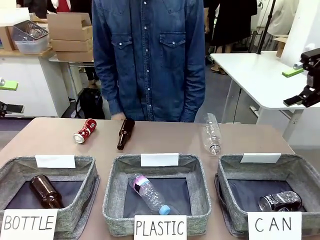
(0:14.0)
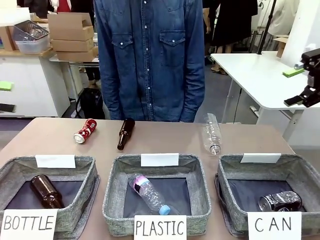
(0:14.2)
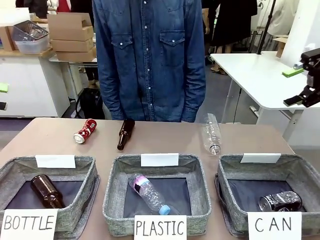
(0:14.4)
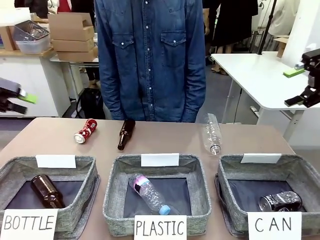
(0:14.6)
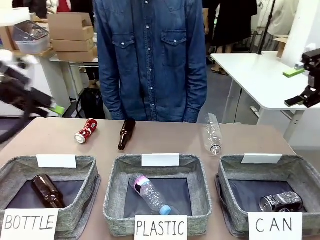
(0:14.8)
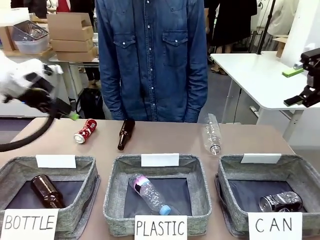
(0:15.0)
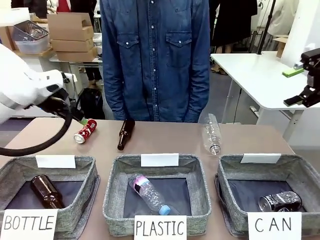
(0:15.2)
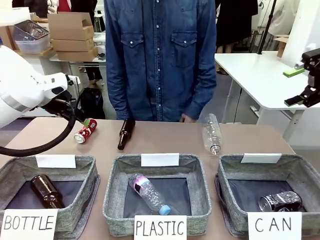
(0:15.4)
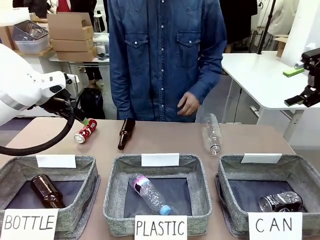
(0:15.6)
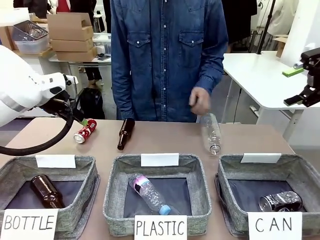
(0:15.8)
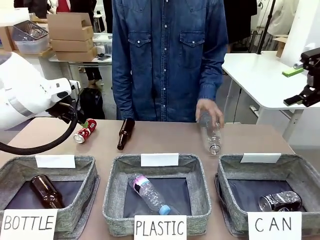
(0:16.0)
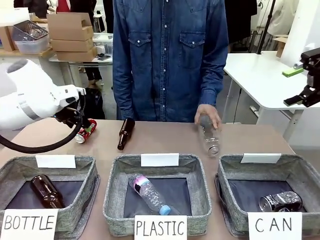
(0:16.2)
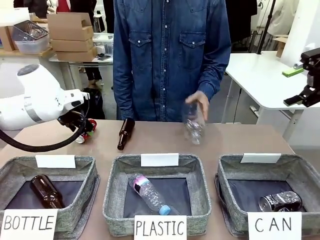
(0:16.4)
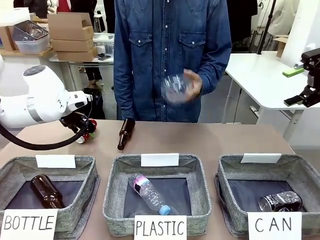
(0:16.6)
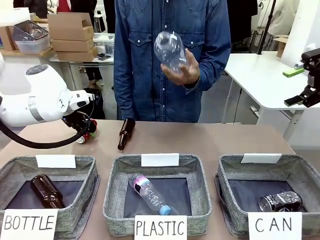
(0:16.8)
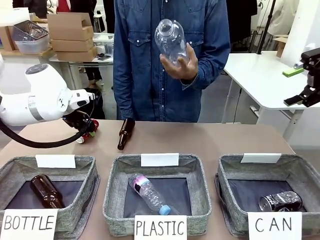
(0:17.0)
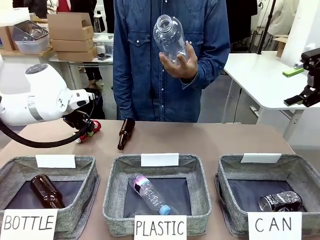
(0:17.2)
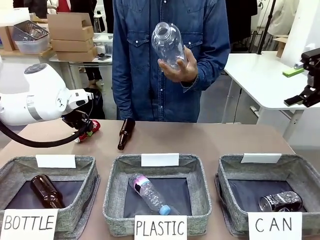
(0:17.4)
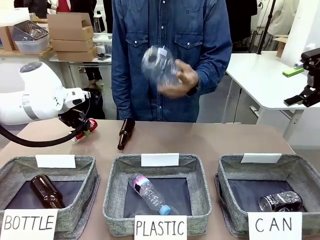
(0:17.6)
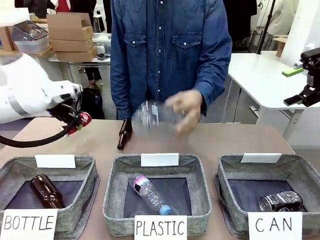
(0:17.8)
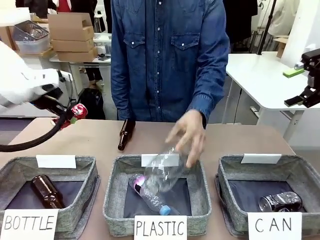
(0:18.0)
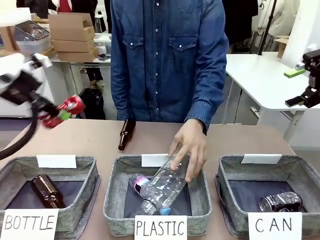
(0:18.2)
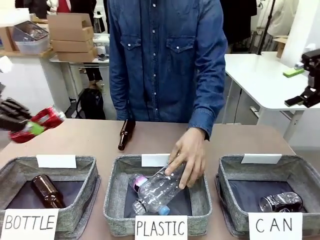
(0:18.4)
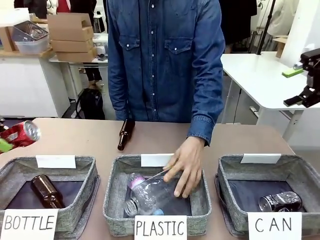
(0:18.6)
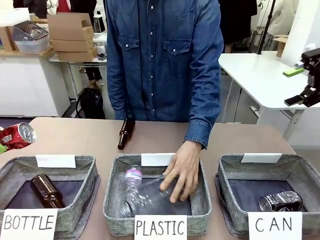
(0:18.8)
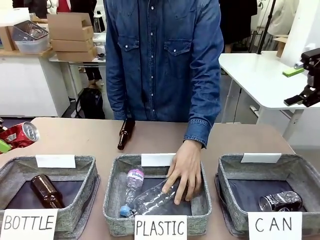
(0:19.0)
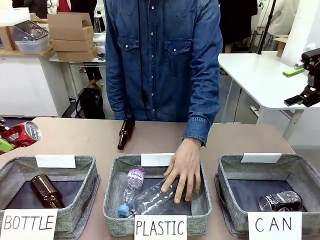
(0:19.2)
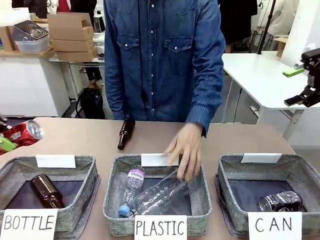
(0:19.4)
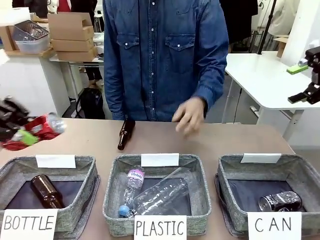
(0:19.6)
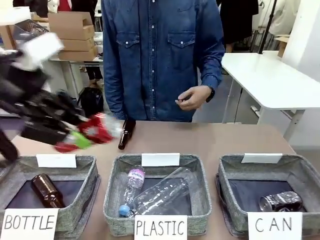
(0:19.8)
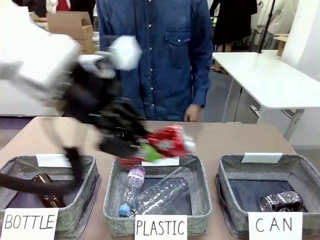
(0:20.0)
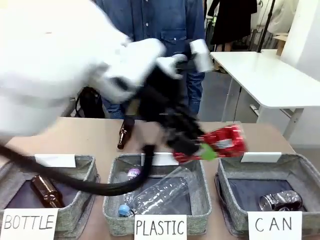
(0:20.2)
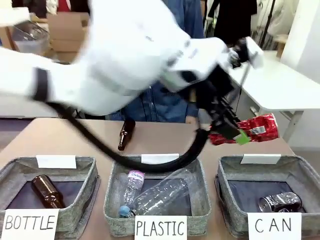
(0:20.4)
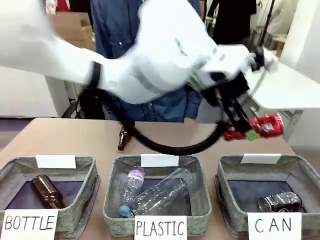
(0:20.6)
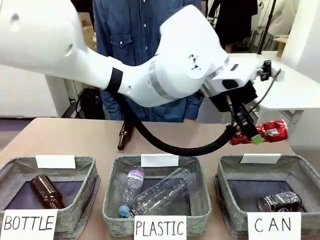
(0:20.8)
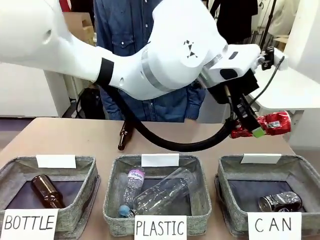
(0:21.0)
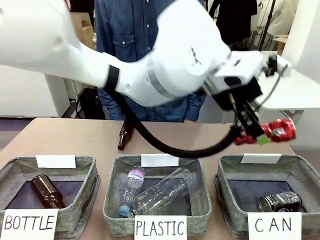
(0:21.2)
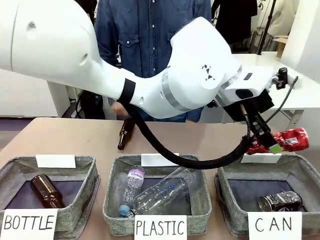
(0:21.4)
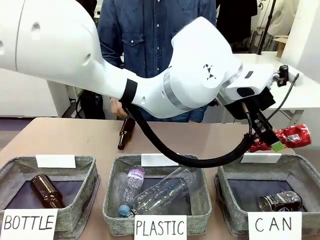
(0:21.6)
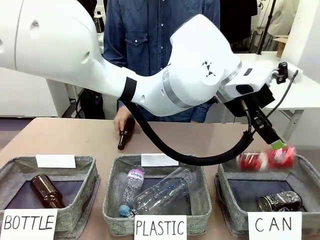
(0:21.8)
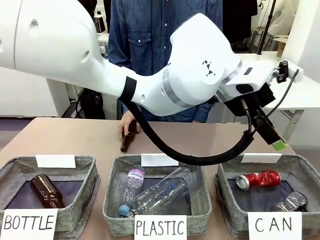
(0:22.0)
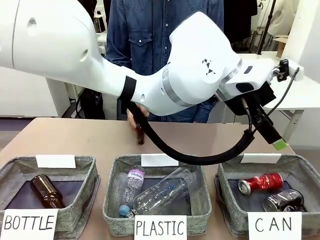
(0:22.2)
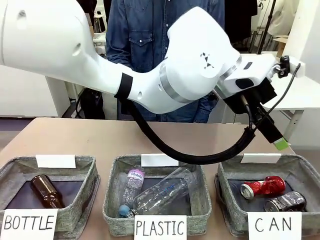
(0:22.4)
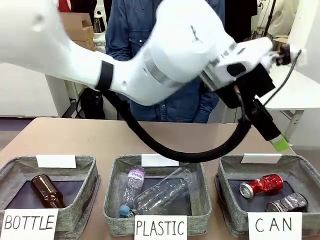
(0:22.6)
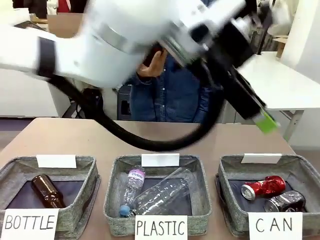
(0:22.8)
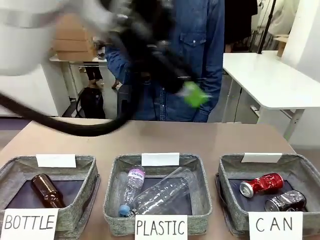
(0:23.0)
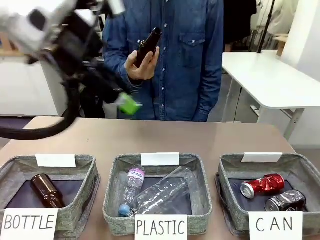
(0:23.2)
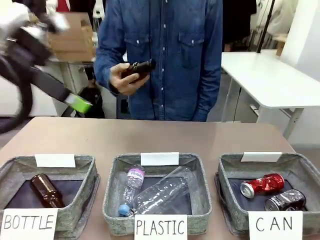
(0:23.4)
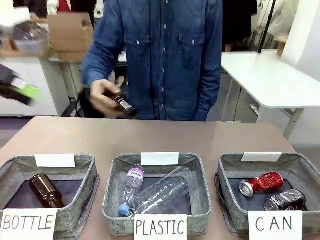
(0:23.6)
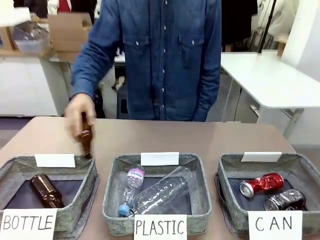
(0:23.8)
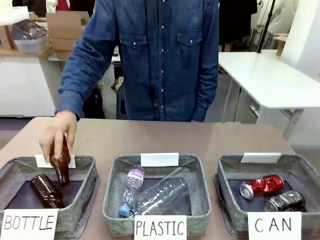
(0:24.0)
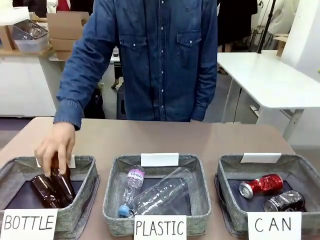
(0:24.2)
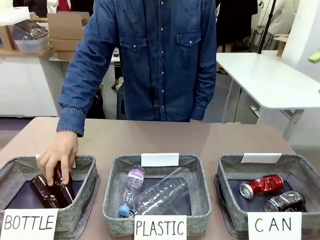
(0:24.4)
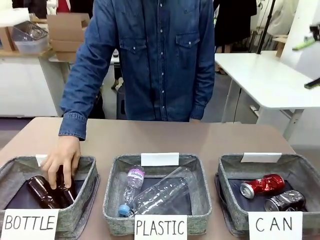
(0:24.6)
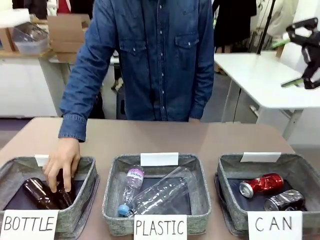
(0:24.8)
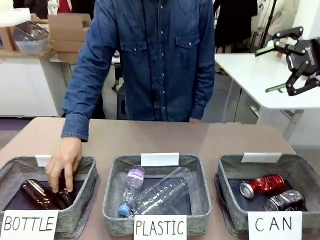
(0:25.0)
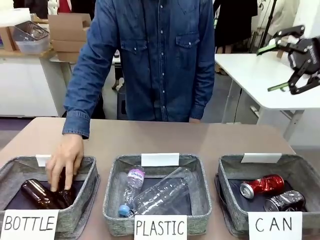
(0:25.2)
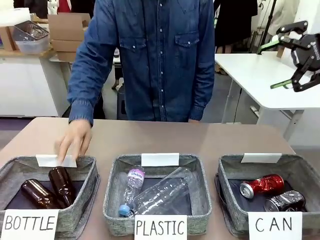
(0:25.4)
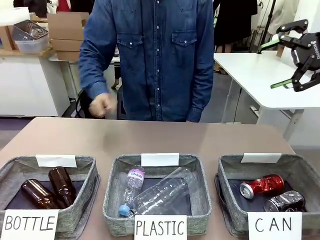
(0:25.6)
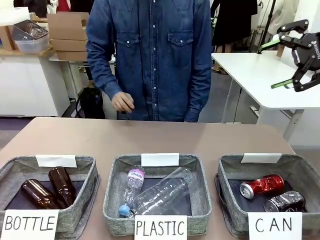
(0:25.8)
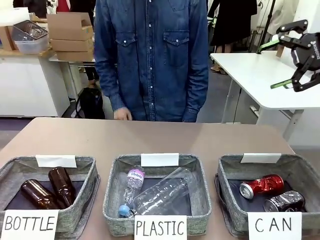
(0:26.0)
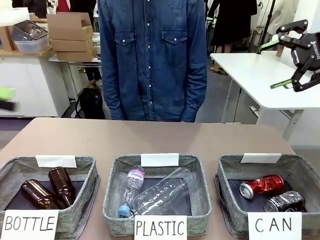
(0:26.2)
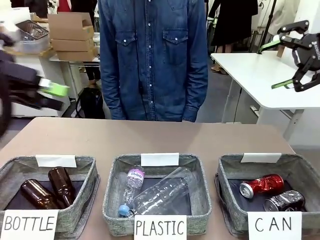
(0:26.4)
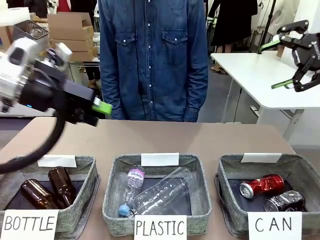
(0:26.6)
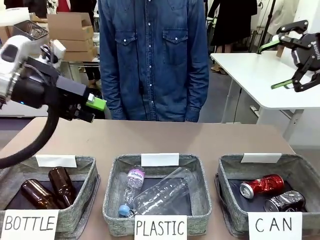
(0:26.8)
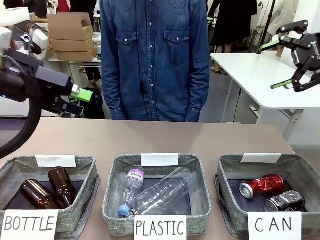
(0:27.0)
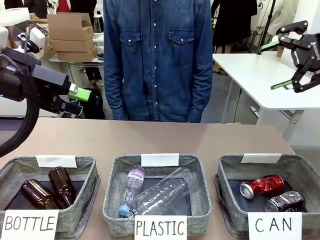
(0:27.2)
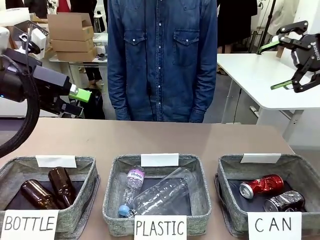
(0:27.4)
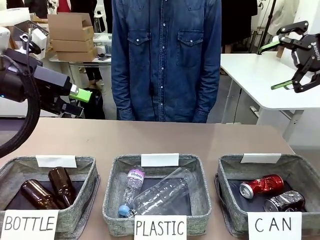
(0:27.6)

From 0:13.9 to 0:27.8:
Task: Sort the can waste into the basket.
Robot: Pick up the can waste from the table and place it in the right Fabric basket.
